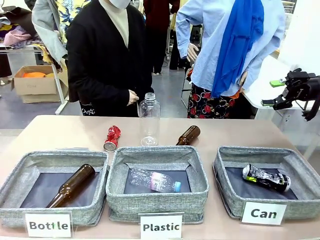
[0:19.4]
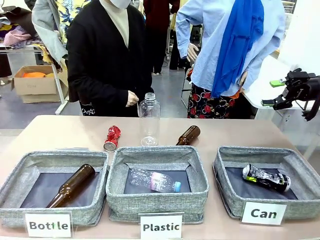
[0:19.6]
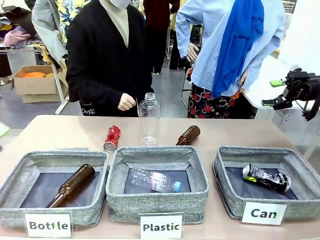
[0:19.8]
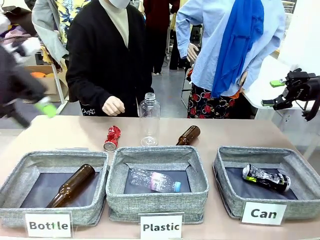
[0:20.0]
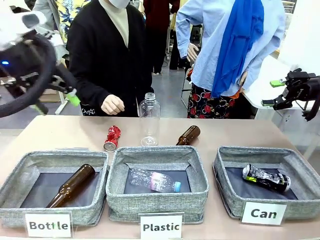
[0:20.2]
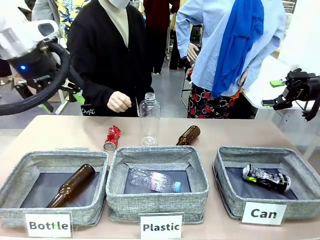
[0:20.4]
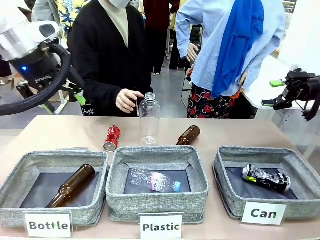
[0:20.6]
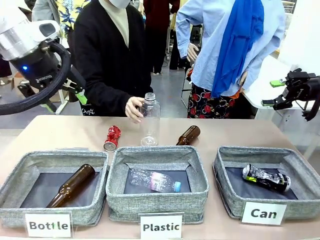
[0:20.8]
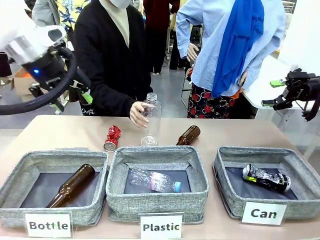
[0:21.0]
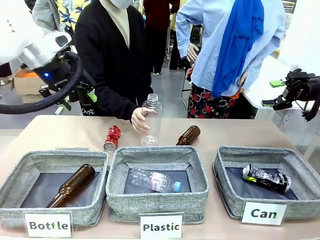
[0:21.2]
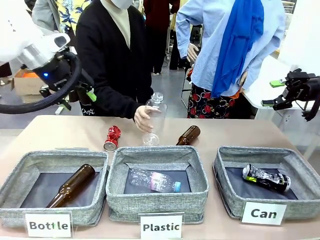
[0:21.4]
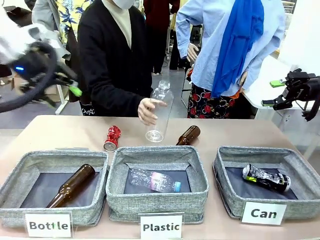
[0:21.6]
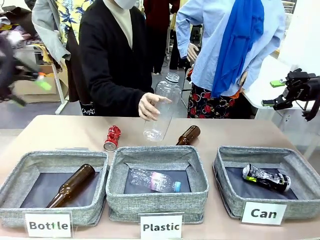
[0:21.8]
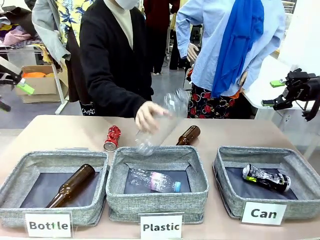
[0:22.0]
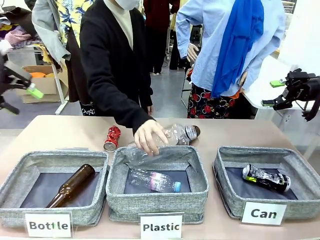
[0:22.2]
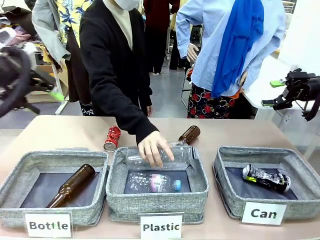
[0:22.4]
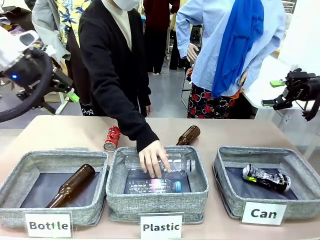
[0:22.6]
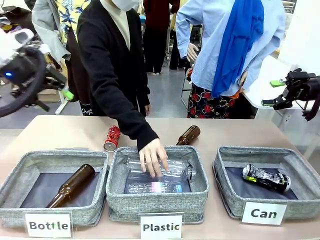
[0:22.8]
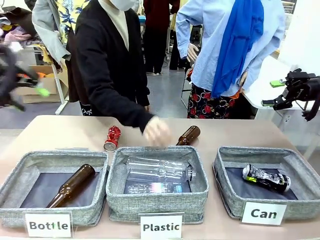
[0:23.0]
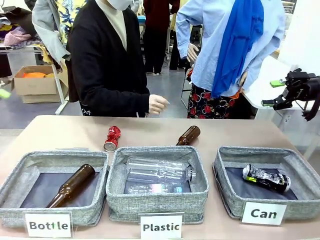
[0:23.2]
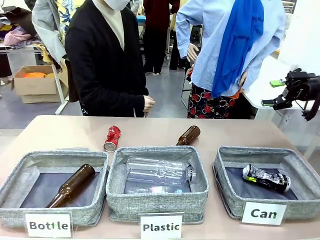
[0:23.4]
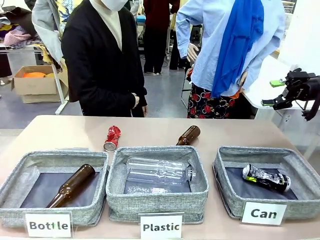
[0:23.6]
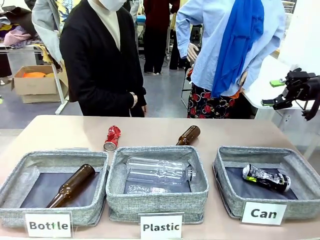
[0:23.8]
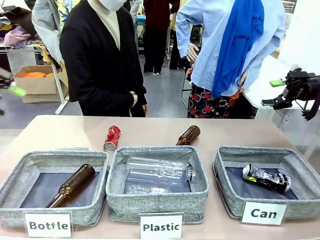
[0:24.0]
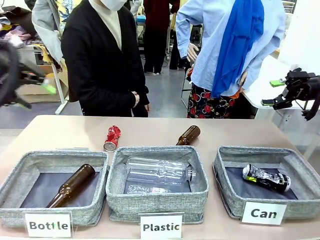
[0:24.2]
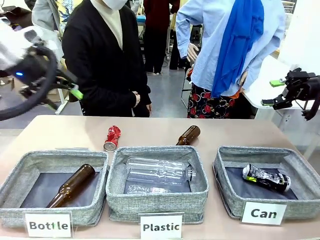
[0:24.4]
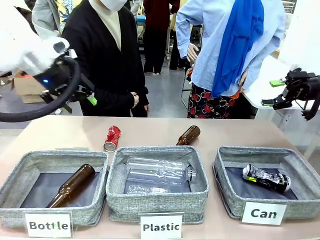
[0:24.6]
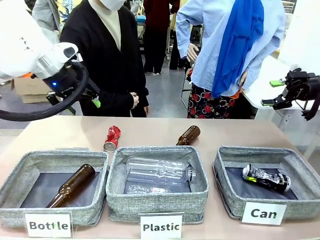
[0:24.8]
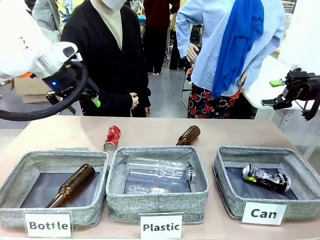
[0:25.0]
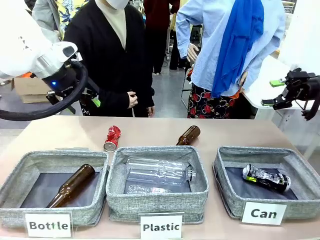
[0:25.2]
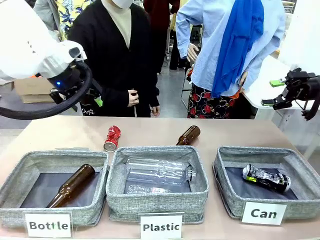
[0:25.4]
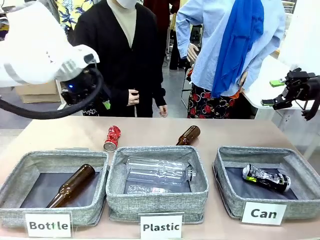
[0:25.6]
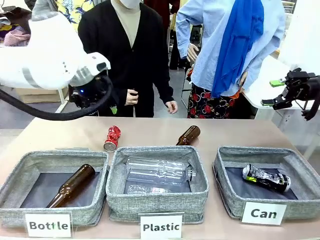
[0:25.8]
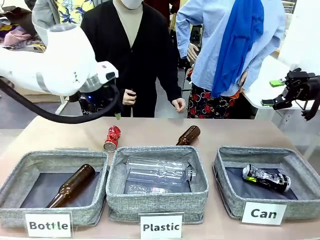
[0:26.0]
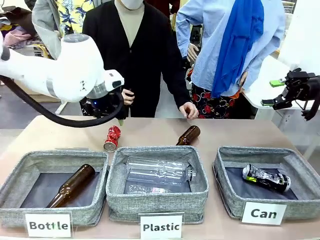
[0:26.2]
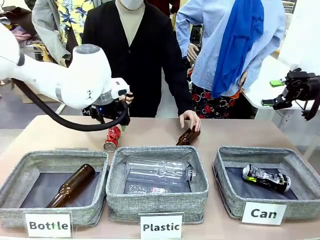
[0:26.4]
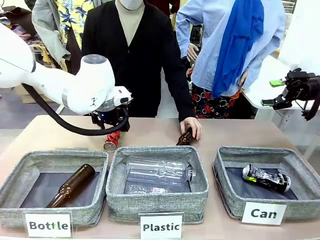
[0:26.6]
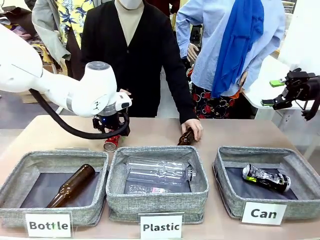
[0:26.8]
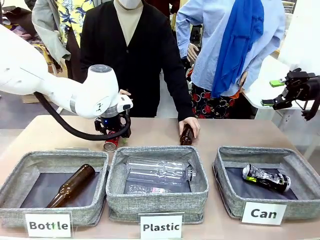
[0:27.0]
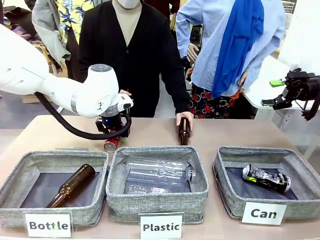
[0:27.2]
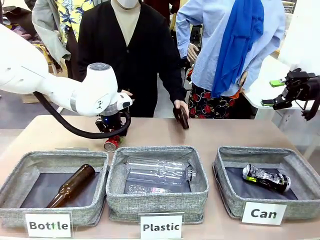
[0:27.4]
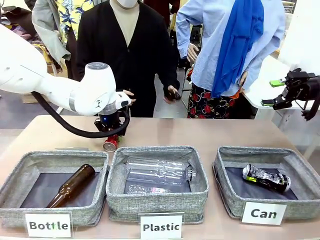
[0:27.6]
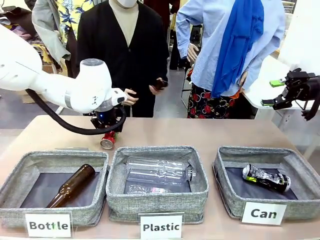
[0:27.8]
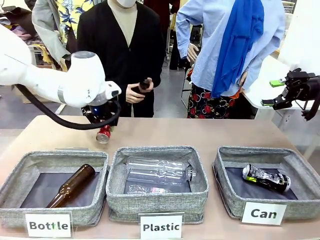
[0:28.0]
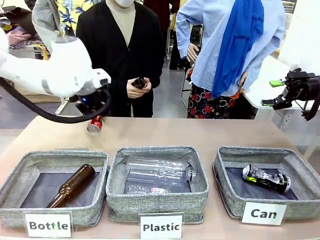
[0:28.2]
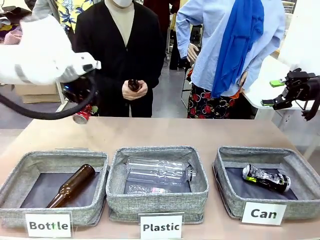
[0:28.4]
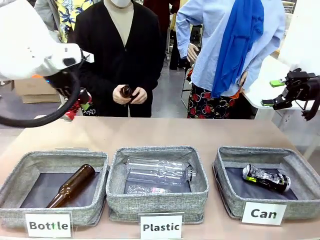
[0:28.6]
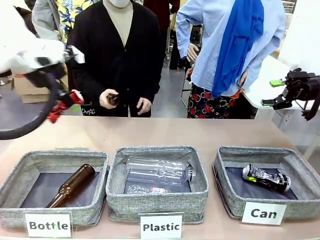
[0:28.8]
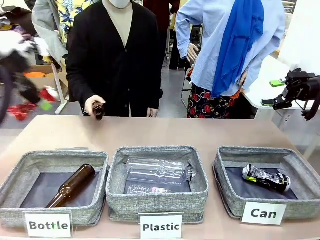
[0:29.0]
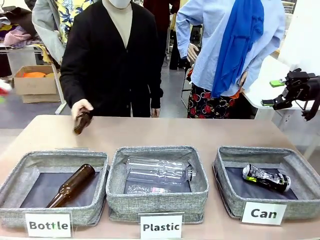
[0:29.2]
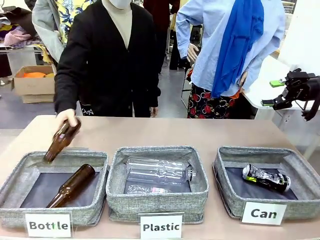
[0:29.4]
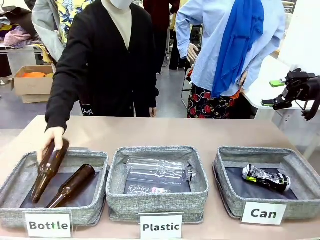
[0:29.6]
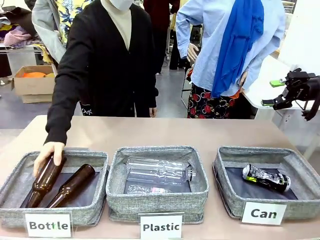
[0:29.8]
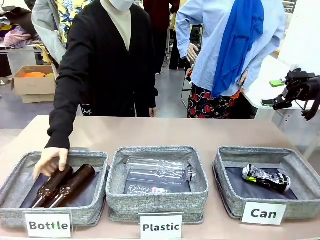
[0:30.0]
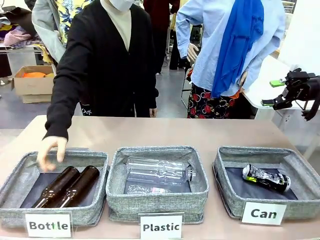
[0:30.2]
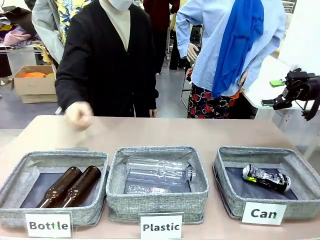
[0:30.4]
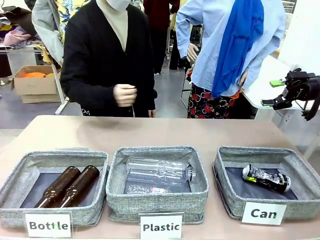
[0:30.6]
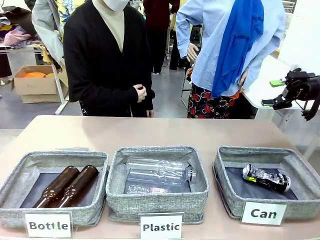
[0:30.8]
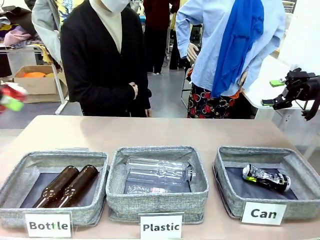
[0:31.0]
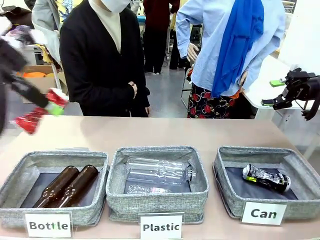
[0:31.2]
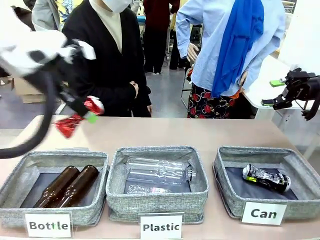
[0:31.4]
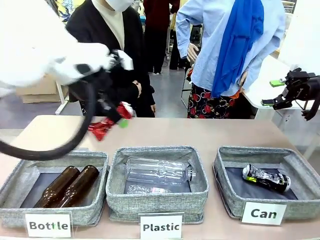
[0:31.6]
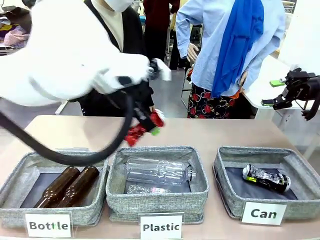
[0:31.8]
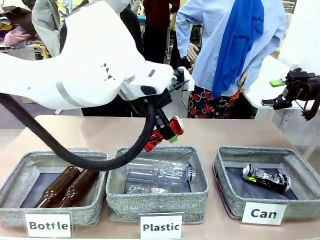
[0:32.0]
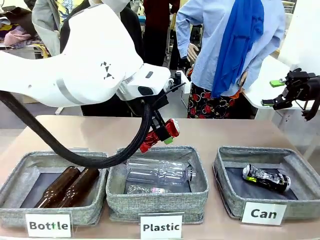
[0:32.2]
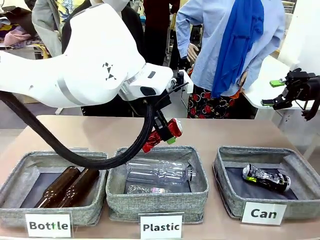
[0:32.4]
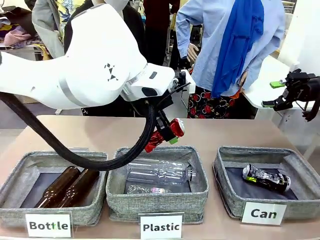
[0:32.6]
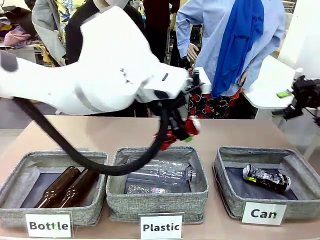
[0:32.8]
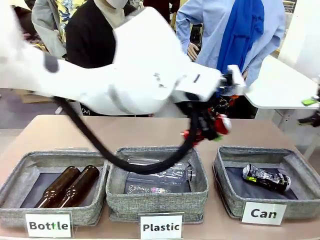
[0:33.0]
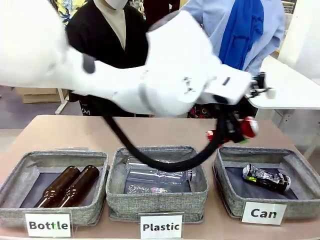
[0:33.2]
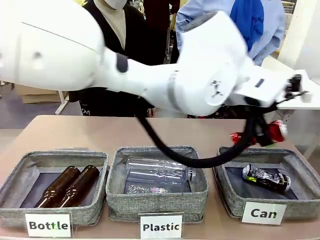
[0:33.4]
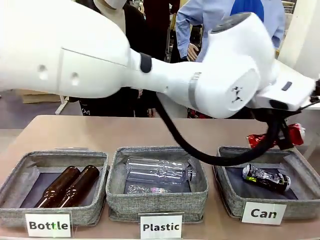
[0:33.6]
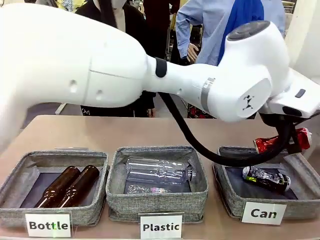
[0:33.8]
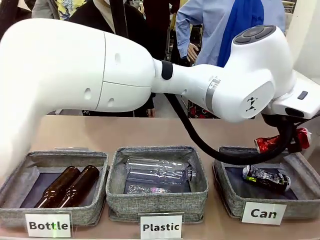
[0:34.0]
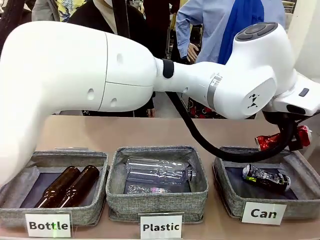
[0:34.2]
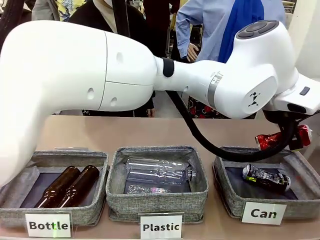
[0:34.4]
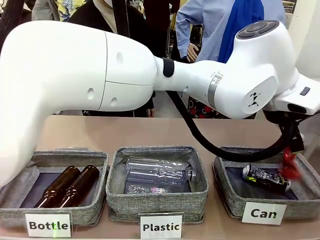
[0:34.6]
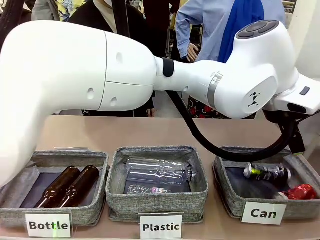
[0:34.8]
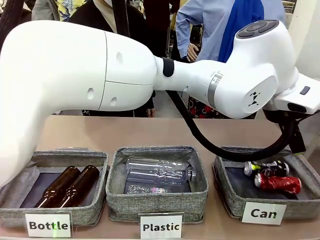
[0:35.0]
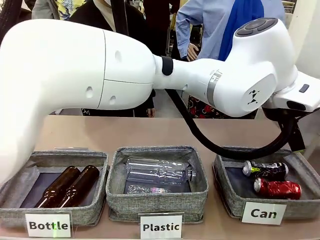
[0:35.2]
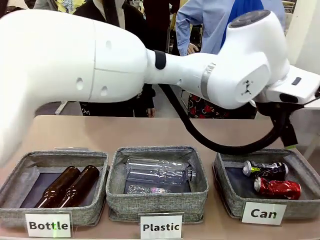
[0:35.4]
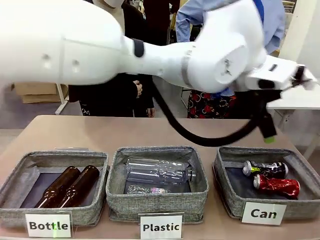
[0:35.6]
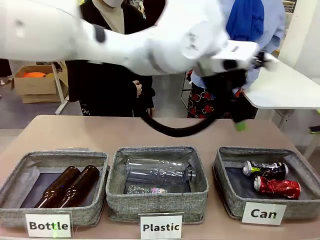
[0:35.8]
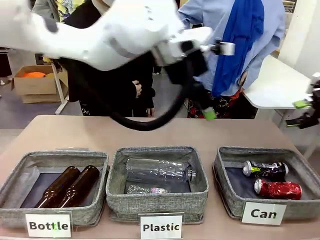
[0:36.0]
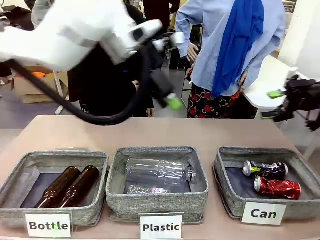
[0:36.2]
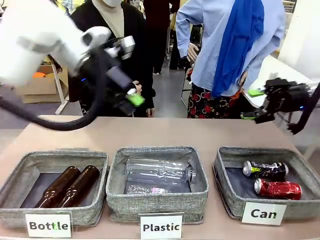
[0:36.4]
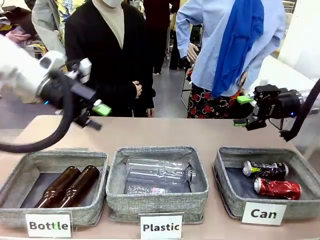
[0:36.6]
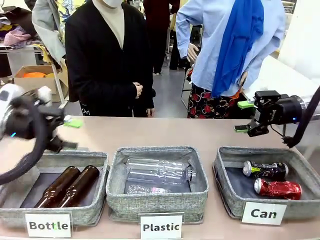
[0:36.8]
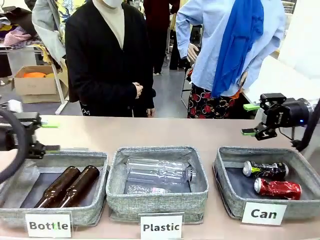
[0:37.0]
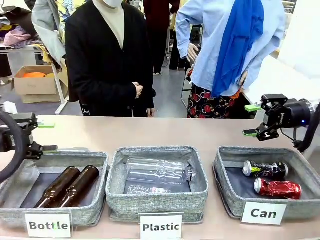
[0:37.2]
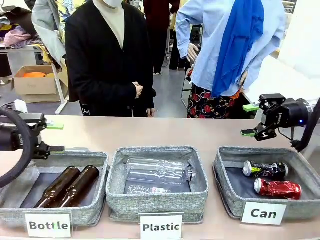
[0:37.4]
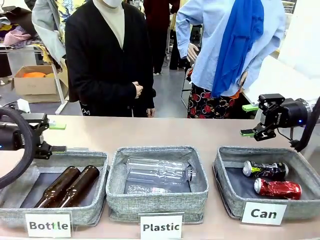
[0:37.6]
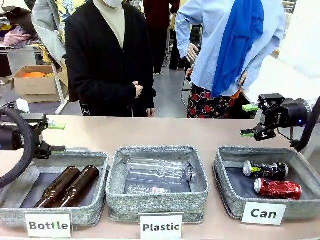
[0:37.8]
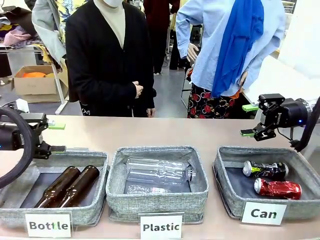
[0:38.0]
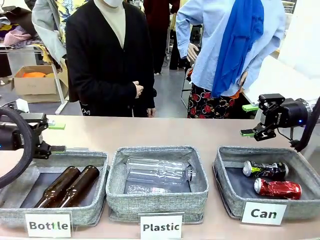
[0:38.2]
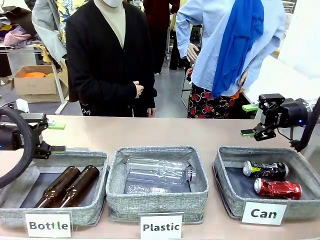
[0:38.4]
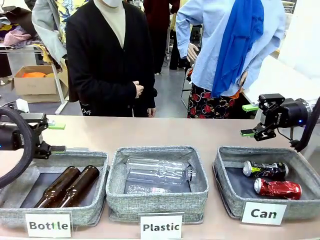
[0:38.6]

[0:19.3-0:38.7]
Task: Sort the can waste into the basket.
Robot: Pick up the can waste from the table and place it in the right Fabric basket.
Person: The human picks up one piece of trash that is not a can and places the trash into the appropriate organizing basket.
